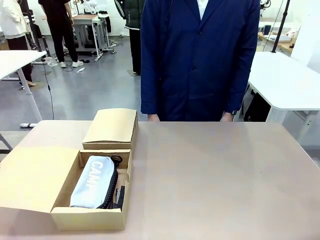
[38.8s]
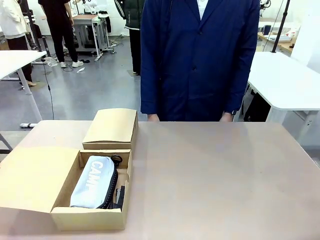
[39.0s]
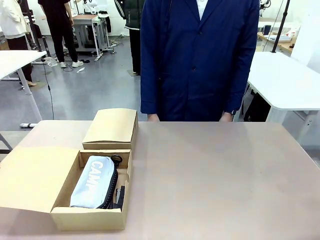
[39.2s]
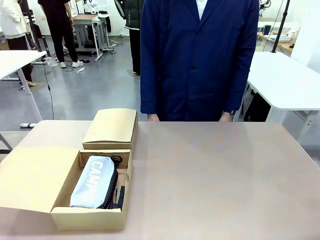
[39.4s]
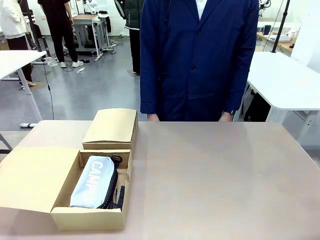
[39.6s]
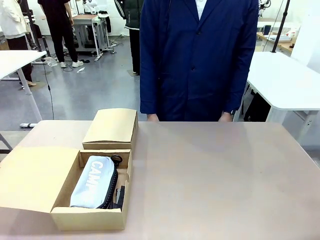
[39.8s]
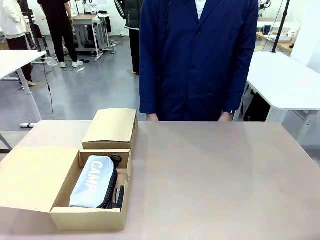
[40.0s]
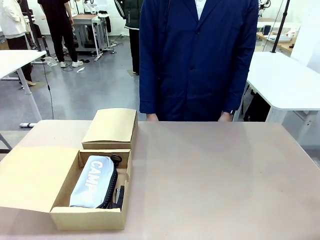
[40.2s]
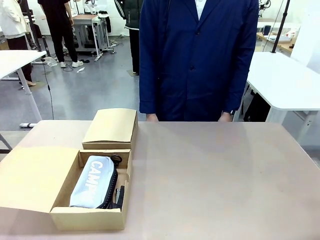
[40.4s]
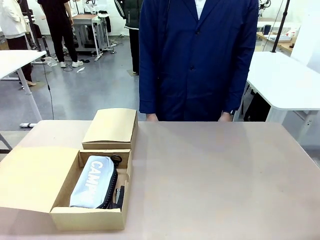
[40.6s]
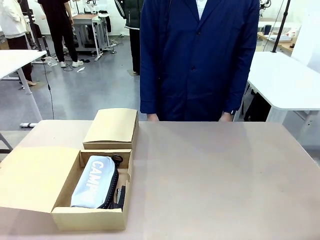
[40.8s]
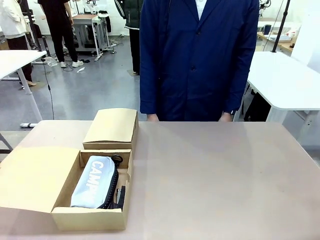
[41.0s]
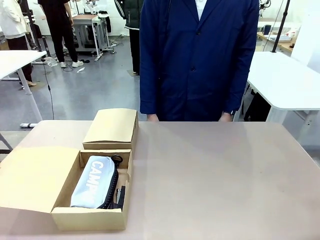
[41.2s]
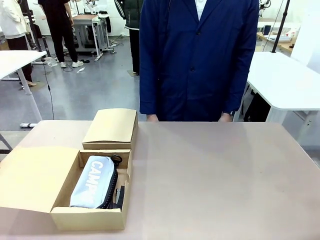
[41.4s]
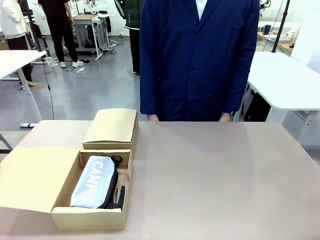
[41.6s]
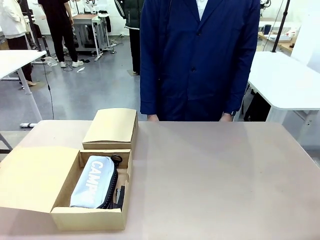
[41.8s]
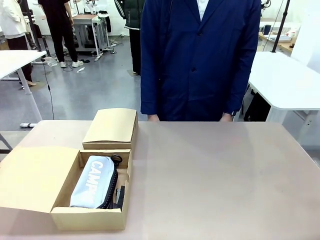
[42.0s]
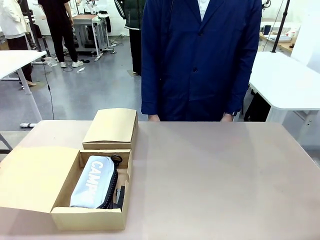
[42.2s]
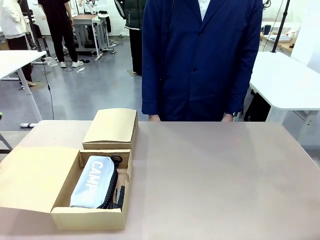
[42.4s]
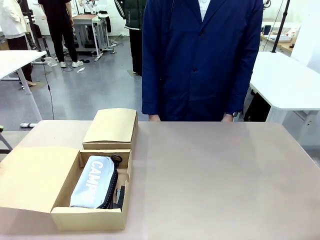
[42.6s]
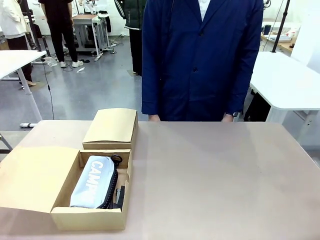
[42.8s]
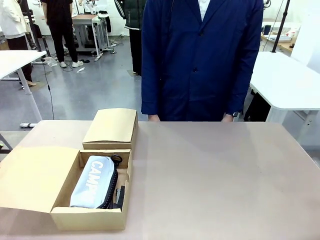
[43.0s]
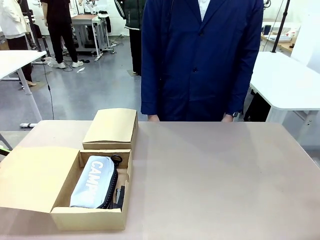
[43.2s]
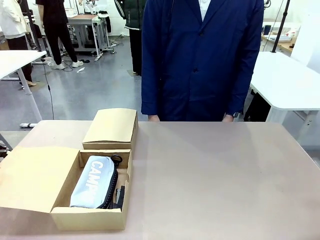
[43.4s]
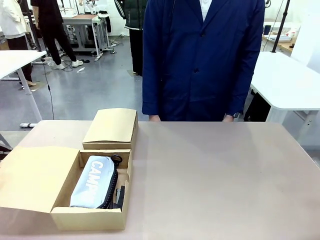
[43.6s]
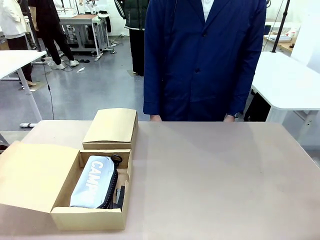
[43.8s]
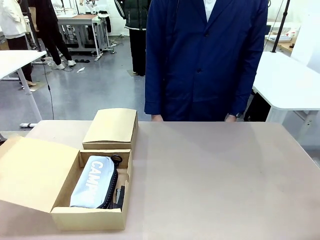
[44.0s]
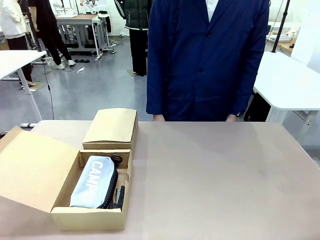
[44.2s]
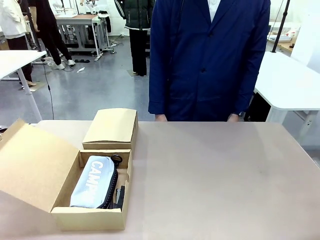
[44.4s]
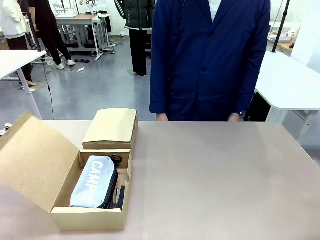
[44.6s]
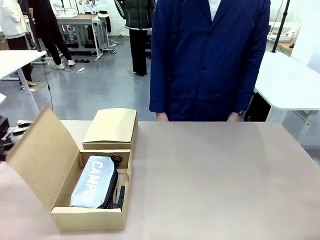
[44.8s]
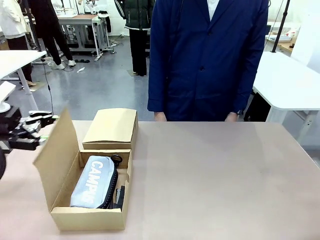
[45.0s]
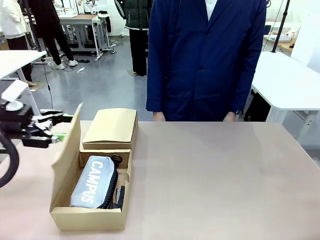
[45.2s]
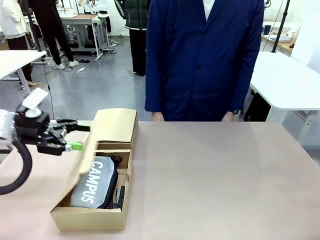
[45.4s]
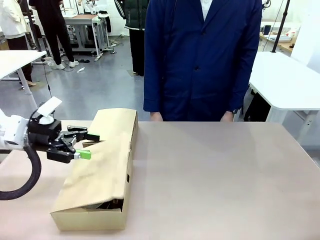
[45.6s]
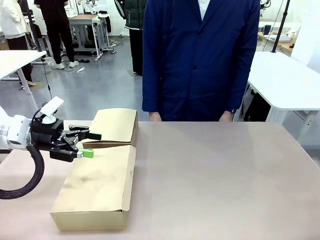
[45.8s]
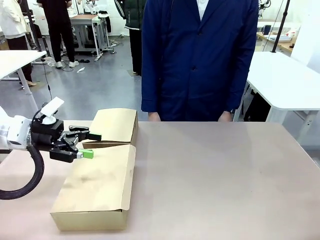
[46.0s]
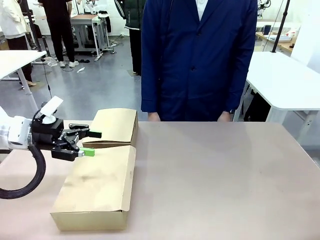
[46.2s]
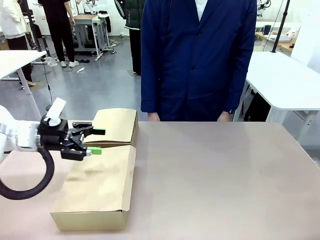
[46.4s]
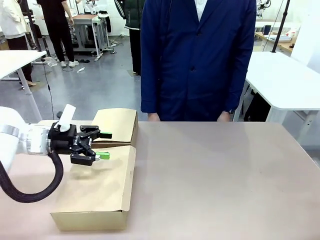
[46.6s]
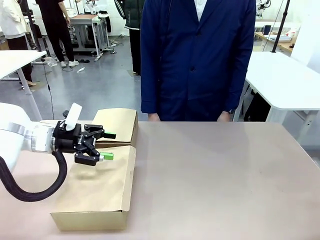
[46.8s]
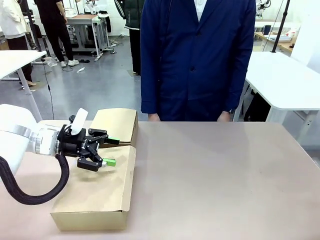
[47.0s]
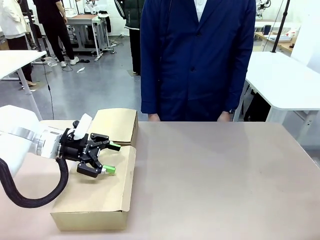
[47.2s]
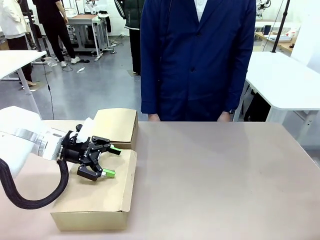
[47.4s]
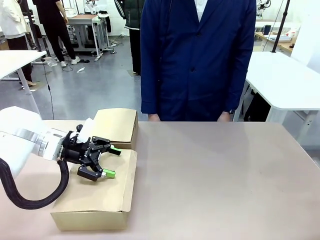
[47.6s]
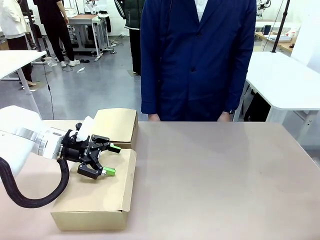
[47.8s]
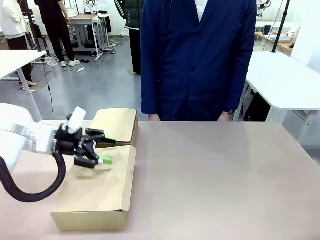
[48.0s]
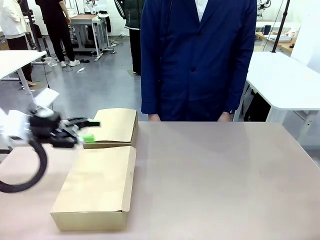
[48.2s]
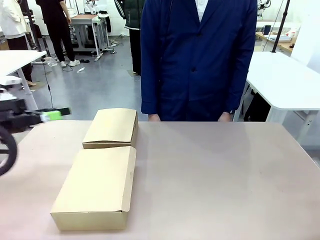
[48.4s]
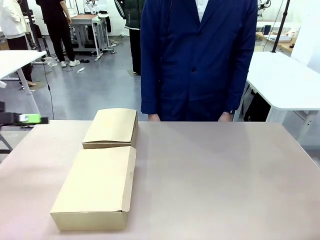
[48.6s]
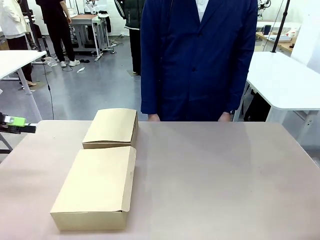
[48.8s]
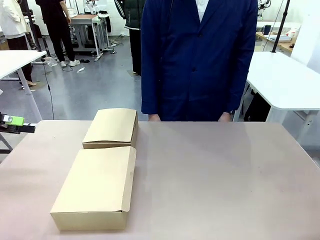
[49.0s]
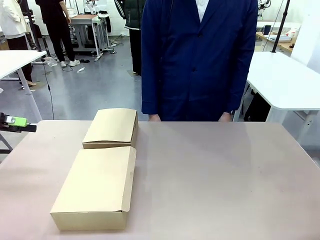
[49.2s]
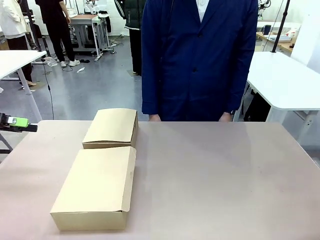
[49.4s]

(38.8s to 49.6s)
Task: Place items inside the box.
Robot: Close the lid of the Mailer Box closest to the robot.

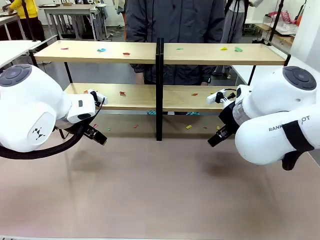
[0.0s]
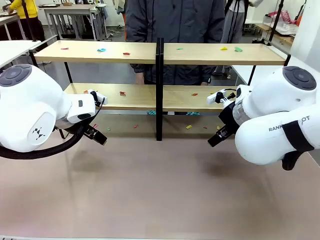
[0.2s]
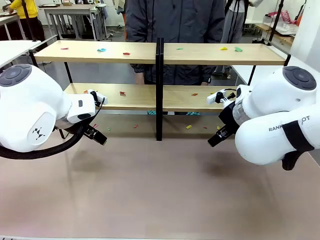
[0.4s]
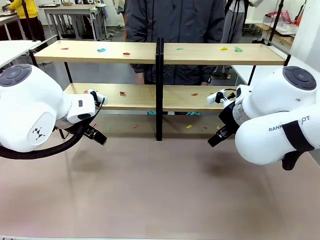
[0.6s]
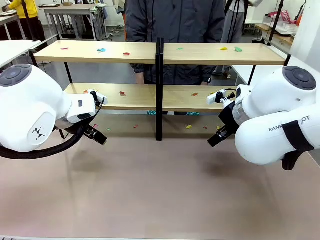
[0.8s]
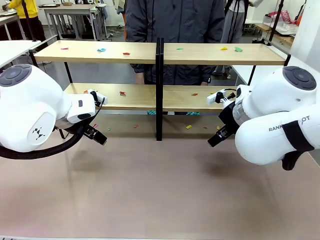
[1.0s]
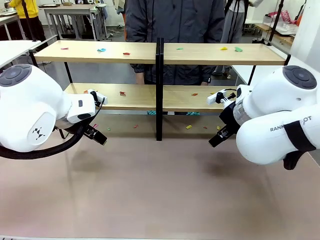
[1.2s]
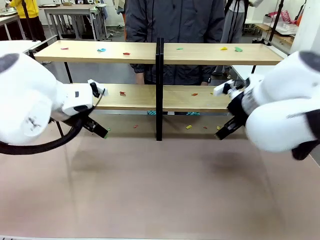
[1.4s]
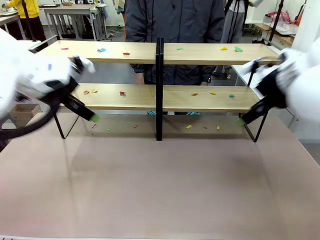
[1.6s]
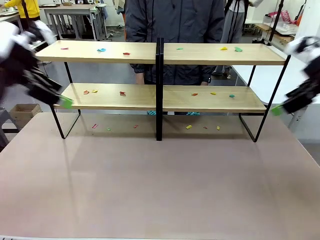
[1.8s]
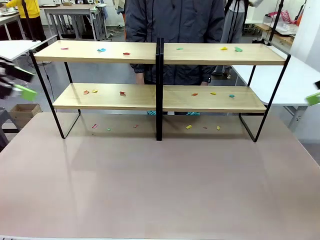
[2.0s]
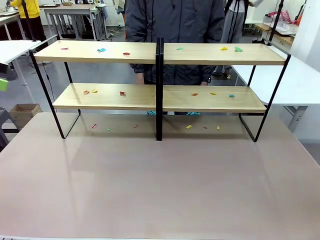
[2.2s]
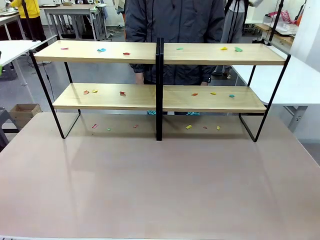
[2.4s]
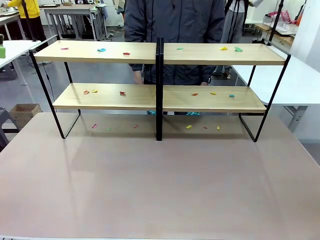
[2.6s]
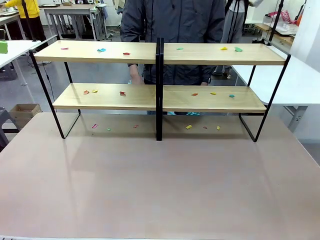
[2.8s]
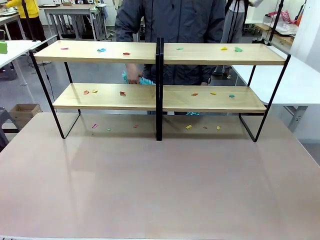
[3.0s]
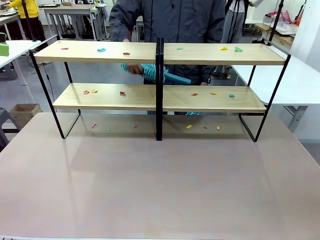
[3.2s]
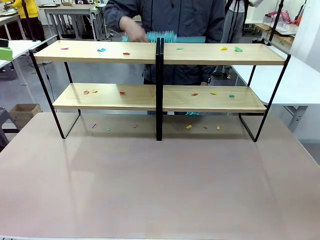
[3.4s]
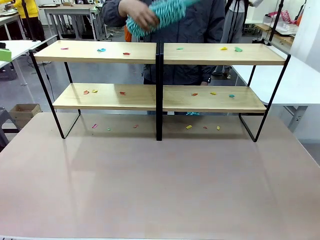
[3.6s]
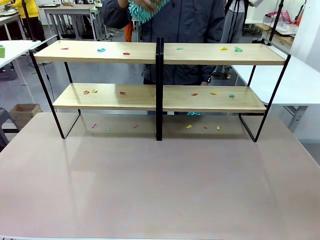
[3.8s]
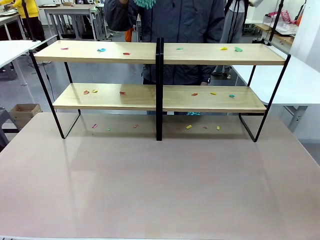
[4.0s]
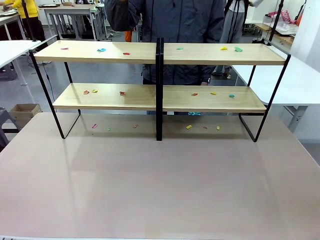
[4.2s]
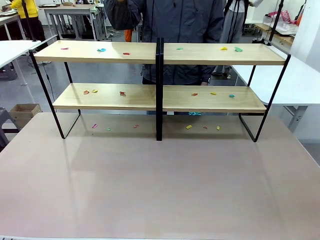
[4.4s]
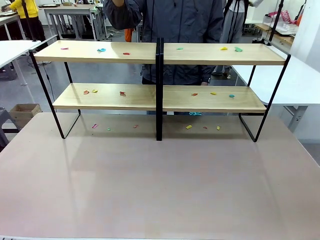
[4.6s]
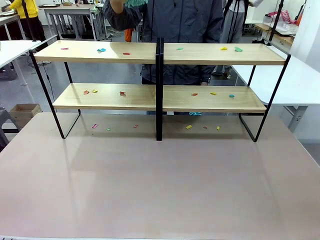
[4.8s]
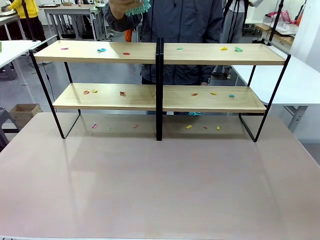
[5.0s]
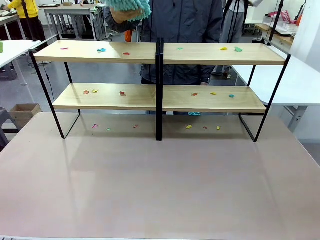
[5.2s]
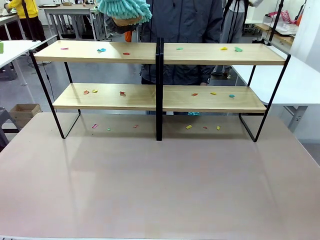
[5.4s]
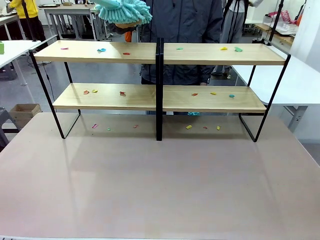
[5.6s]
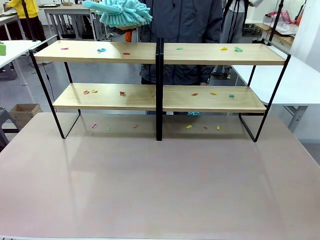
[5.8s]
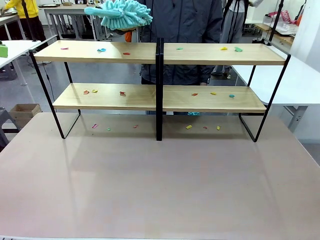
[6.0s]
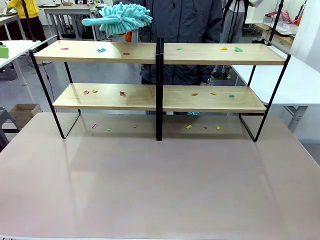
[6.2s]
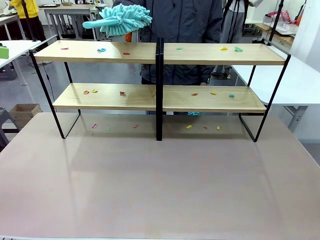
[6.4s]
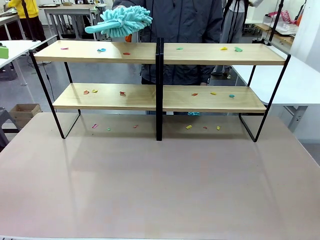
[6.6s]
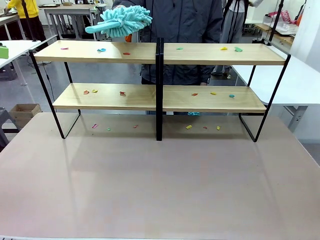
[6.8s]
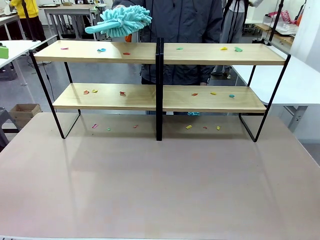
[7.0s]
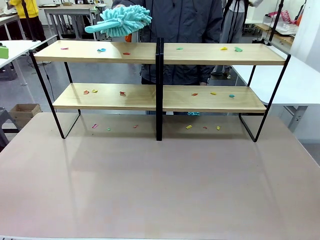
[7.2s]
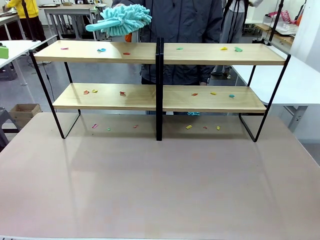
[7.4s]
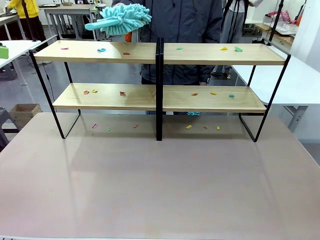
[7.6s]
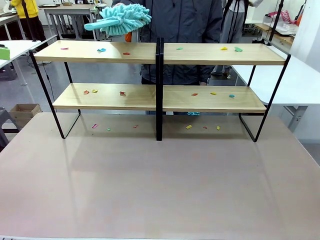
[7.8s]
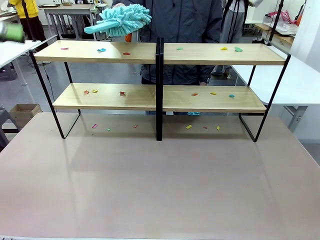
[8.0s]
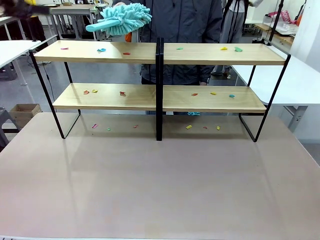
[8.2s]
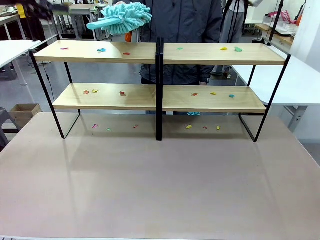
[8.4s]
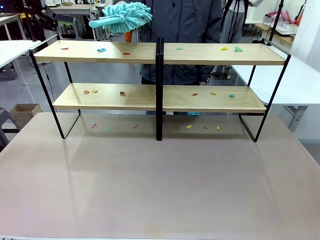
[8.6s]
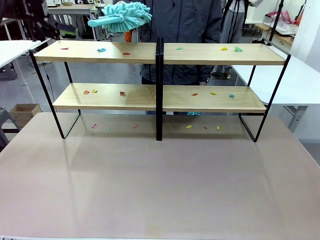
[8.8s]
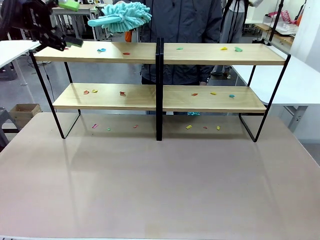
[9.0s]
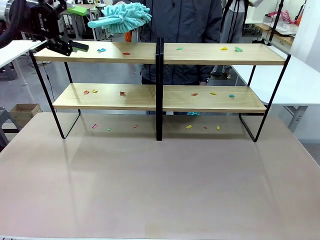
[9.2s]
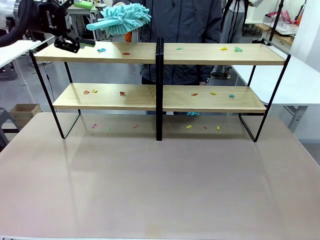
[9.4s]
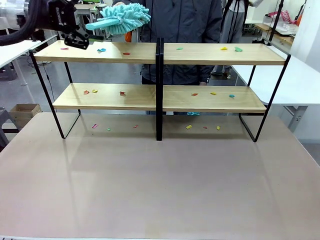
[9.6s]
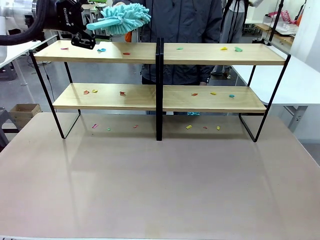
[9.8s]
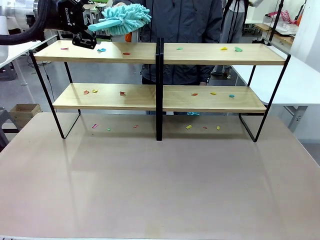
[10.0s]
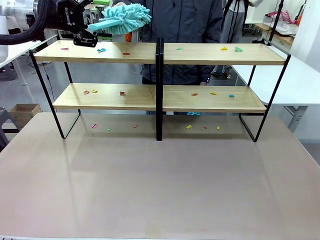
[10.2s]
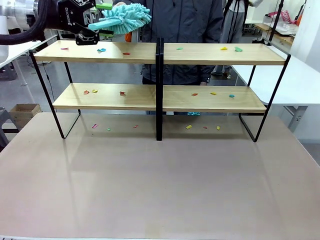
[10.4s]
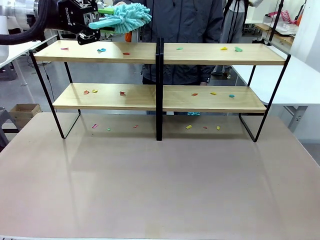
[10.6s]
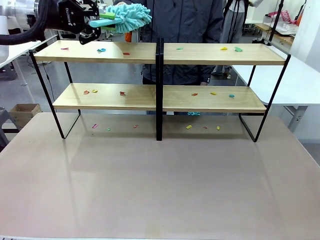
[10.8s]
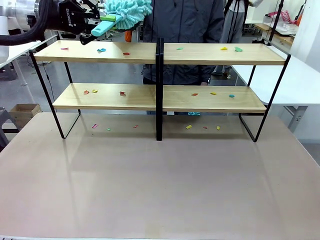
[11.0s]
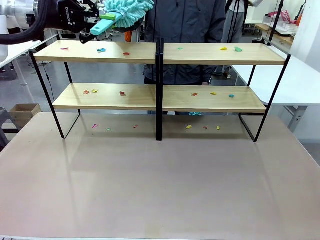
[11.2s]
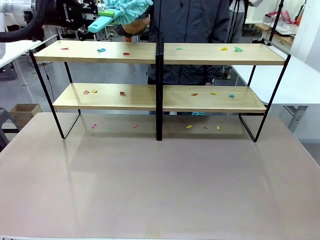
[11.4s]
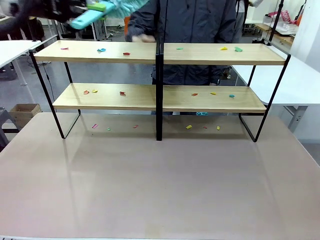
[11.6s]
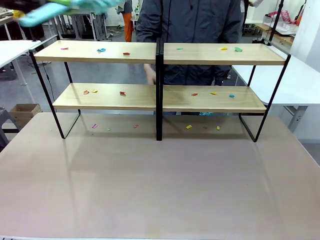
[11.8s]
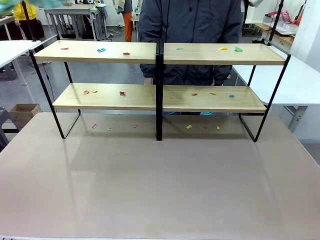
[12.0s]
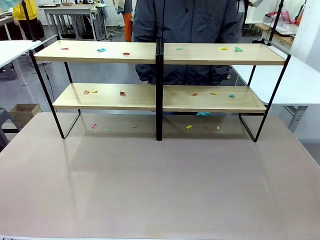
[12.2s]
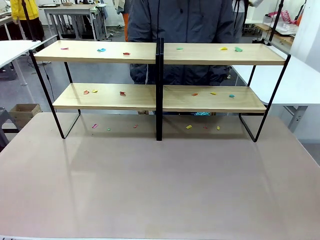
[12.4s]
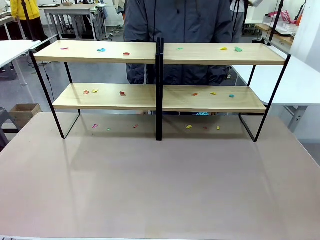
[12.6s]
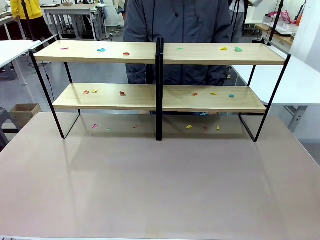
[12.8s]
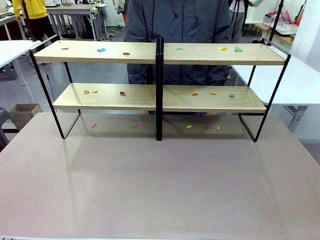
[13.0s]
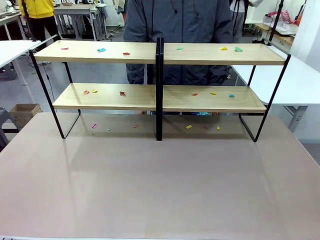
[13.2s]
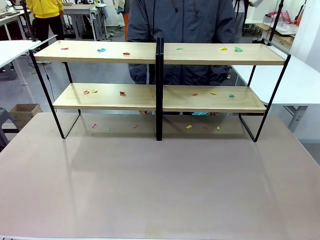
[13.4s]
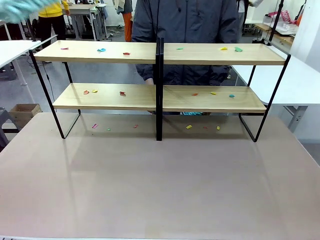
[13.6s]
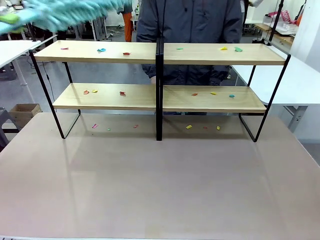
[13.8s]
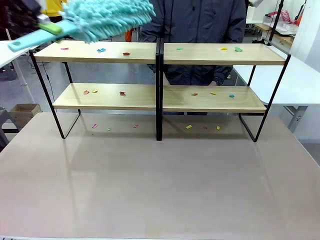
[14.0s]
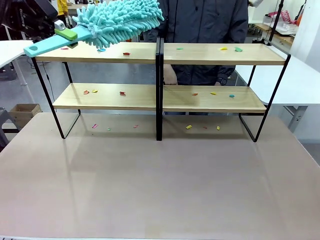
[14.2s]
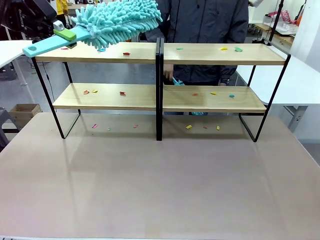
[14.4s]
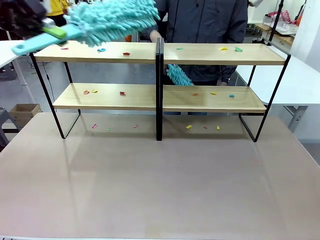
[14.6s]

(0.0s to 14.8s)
Task: Clean the shelves.
Robot: Pick up the Duster when the human hands it over.
Person: Hand the Duster to the robot with your right (or left) hand.
